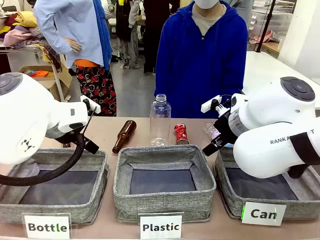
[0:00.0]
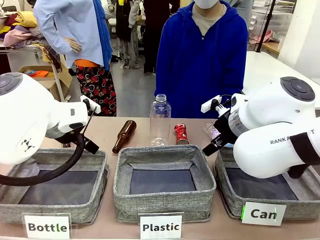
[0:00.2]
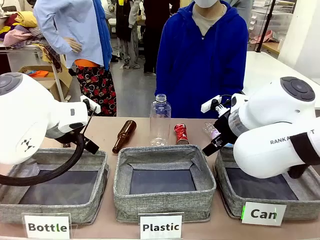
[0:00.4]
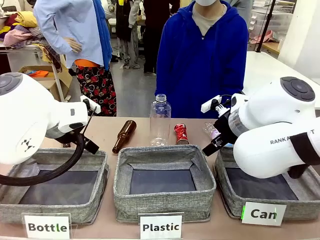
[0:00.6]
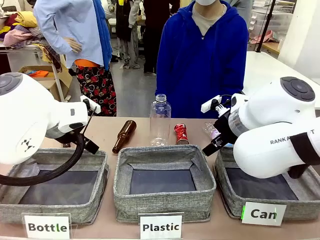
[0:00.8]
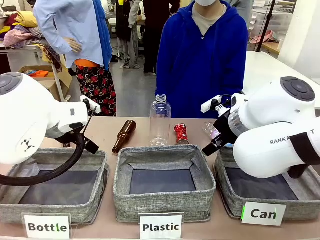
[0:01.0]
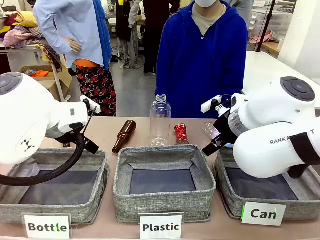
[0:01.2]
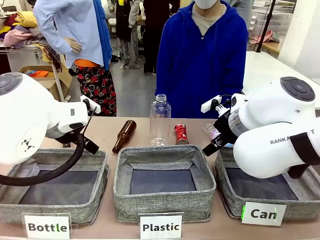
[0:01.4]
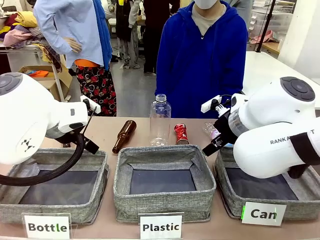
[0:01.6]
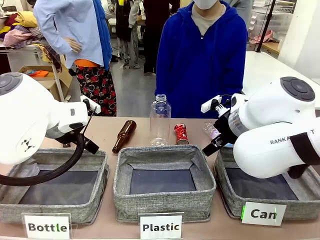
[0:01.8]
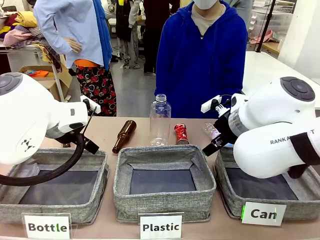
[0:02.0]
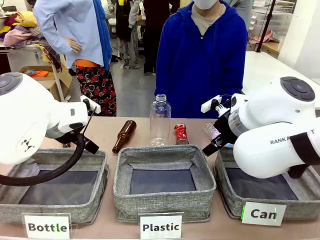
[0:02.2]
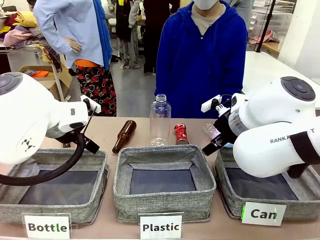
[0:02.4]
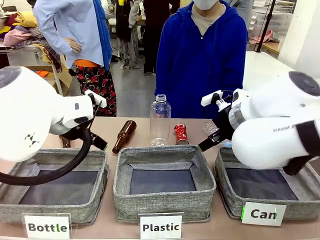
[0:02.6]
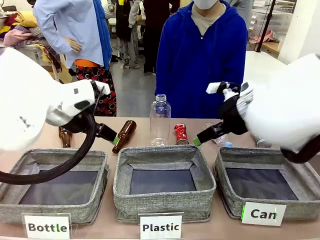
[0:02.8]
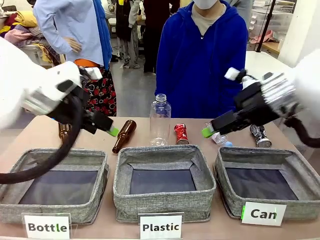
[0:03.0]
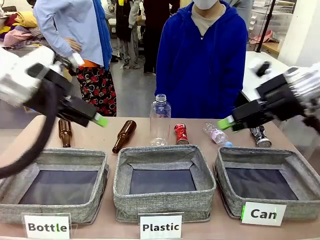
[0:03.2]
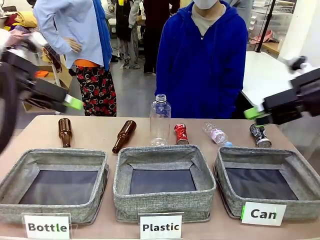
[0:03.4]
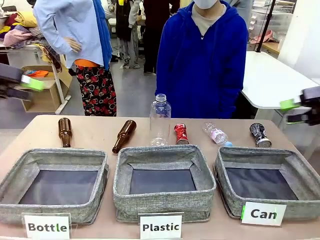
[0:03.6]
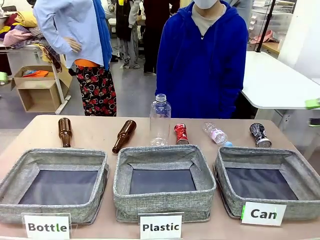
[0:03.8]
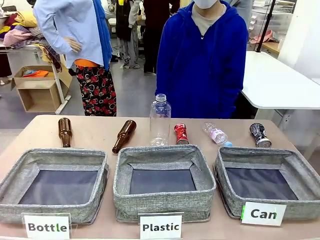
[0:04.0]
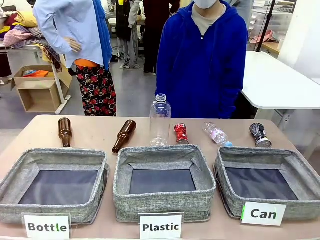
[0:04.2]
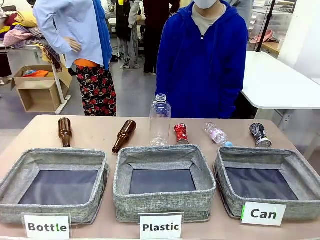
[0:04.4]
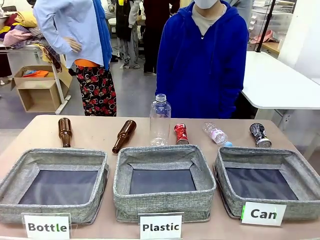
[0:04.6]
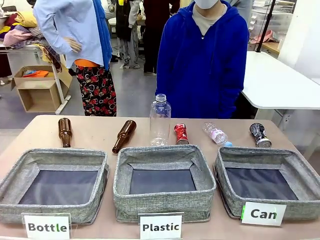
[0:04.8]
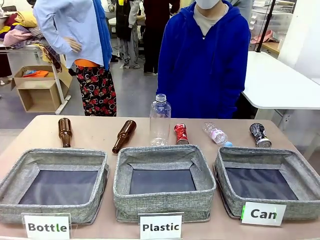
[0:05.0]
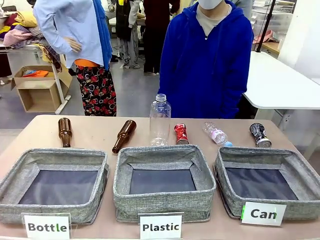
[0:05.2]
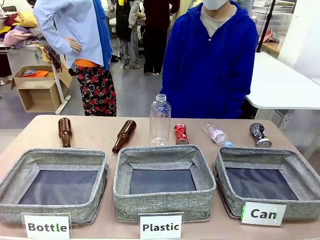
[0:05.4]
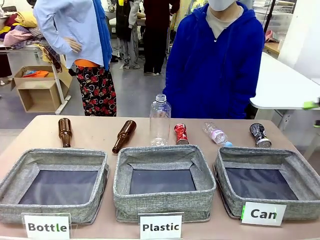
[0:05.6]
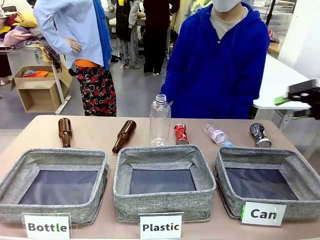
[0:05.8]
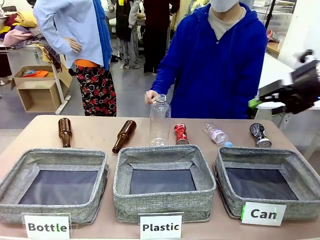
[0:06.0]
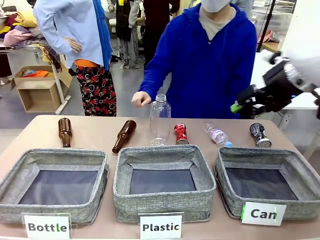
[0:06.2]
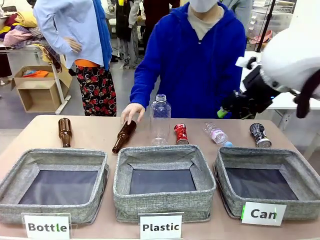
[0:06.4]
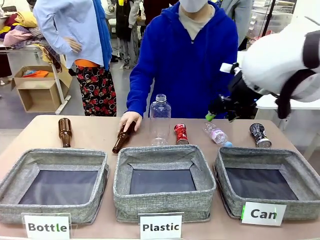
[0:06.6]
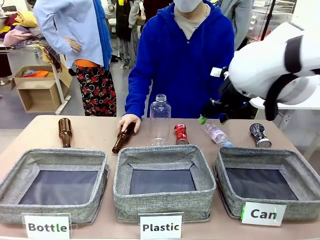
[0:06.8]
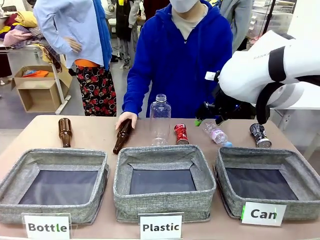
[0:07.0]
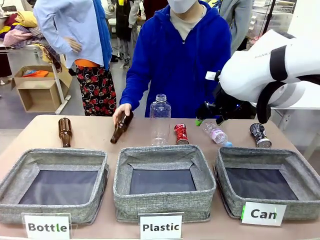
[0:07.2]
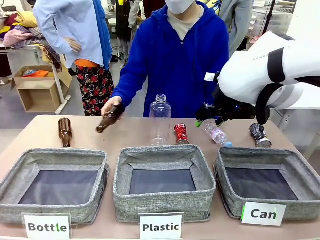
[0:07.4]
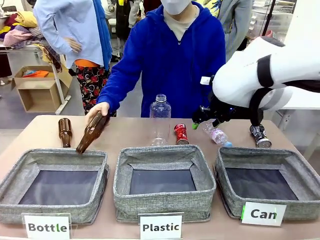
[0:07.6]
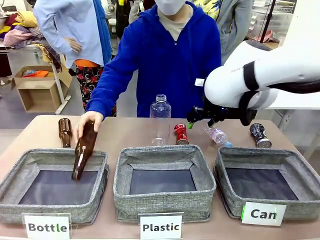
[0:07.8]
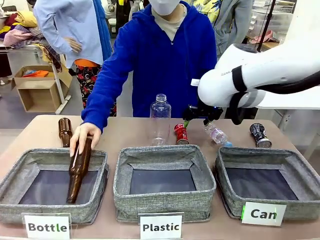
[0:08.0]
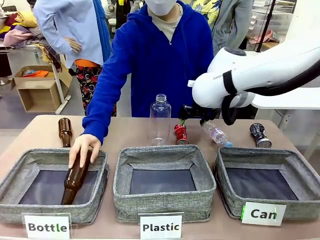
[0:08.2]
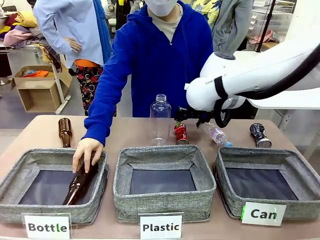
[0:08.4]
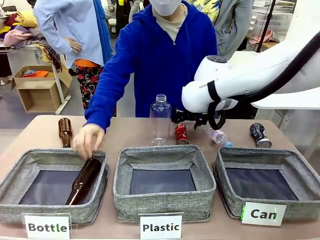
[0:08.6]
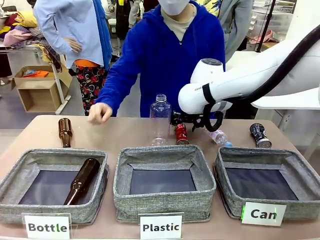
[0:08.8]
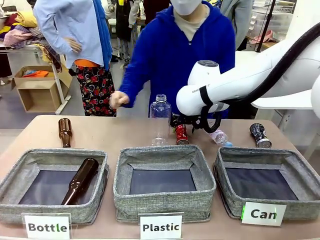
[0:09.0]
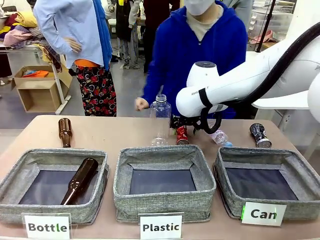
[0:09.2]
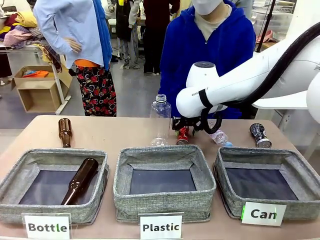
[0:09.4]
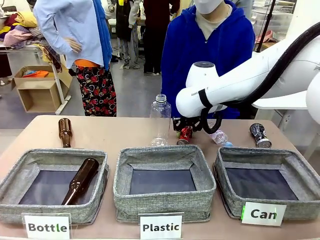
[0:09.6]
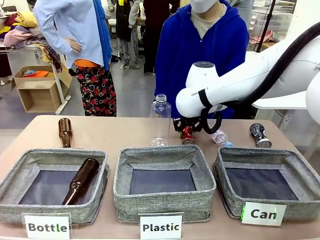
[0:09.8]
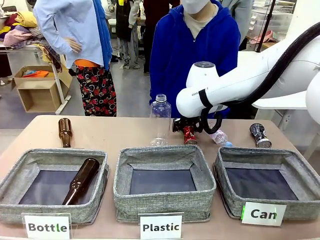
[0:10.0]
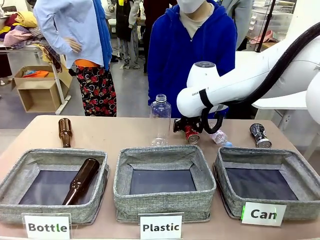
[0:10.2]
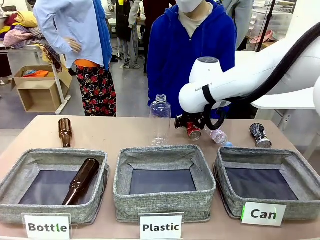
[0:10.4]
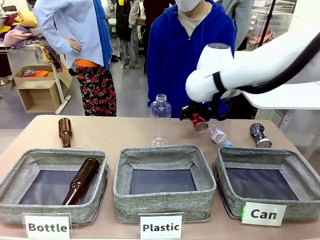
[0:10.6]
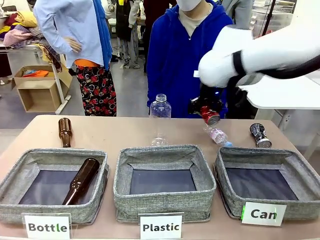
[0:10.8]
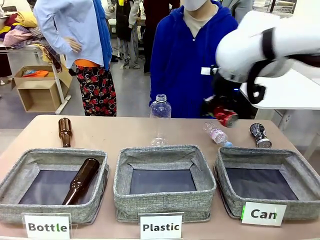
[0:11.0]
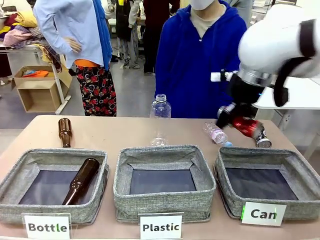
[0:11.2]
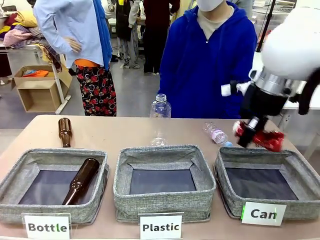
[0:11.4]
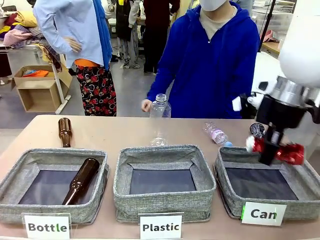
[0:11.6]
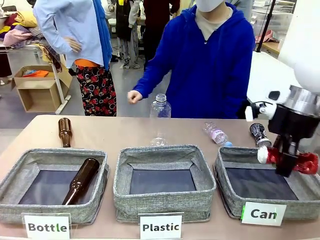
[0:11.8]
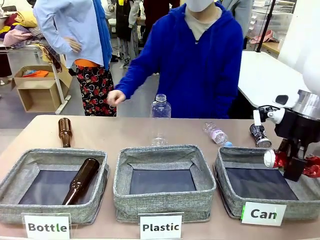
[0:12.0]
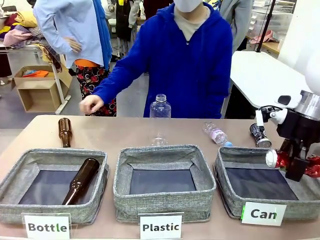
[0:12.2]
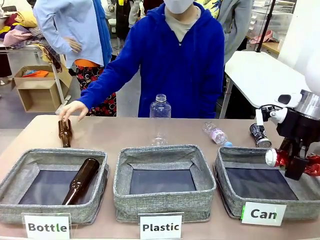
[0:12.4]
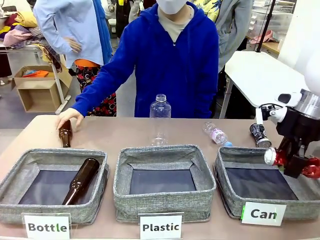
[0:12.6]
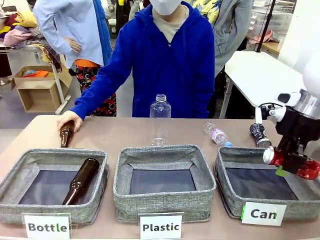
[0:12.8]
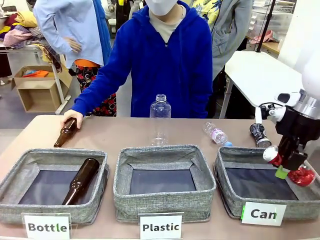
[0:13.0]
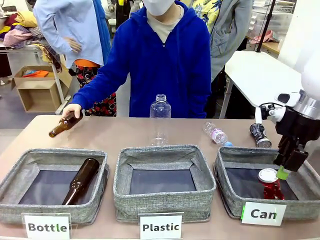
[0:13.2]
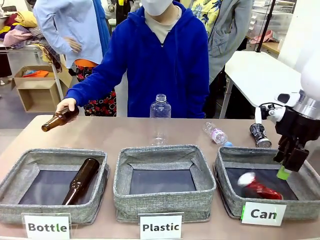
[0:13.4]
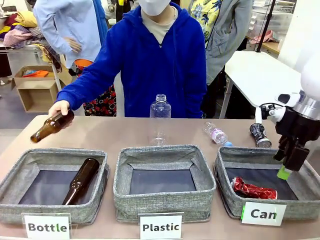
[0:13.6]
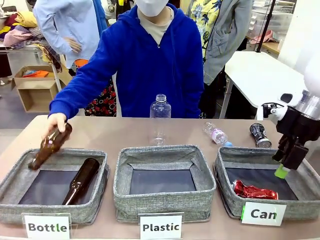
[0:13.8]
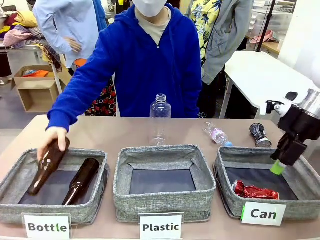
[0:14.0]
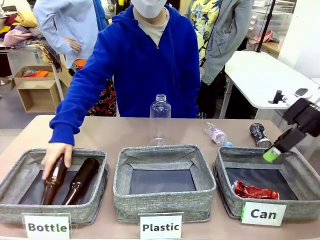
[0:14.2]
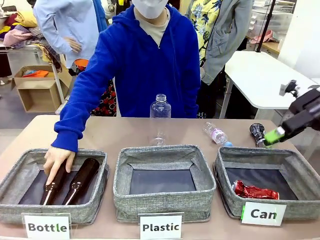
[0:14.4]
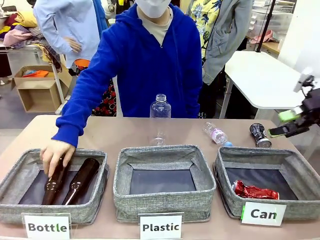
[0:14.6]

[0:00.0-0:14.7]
Task: Sort the can waste into the basket.
Robot: Pick up the can waste from the table and place it in the right Fabric basket.
